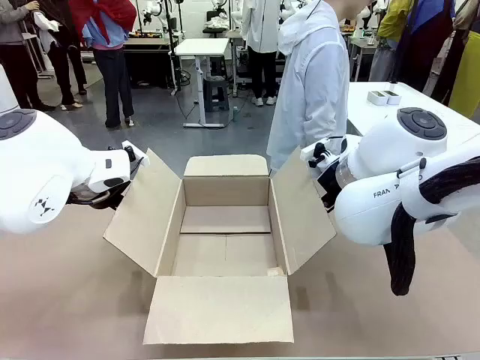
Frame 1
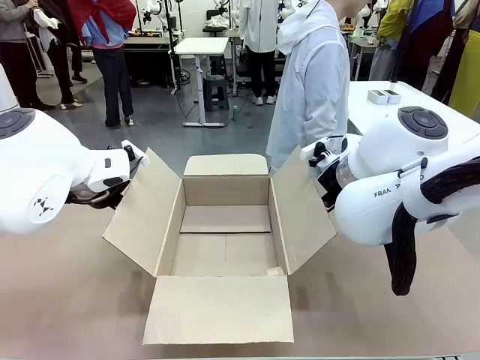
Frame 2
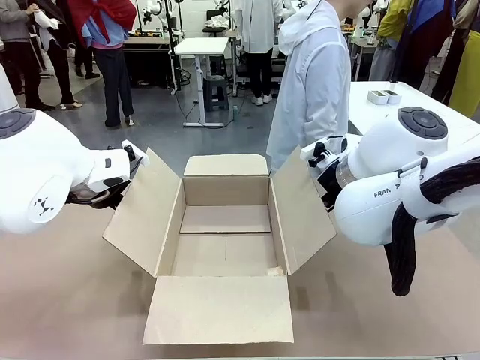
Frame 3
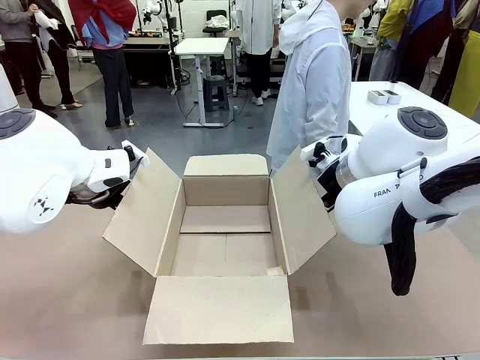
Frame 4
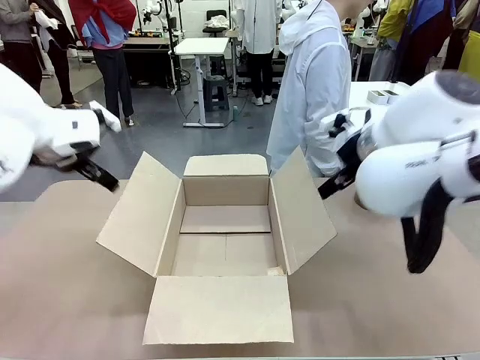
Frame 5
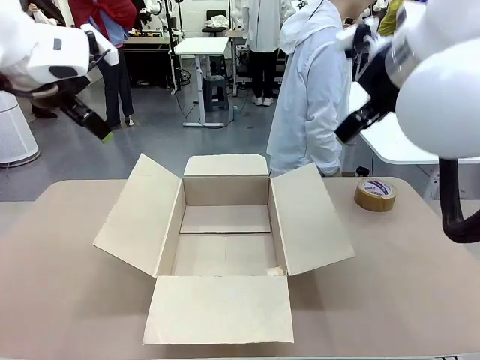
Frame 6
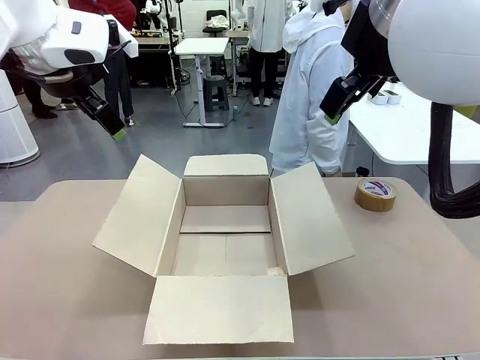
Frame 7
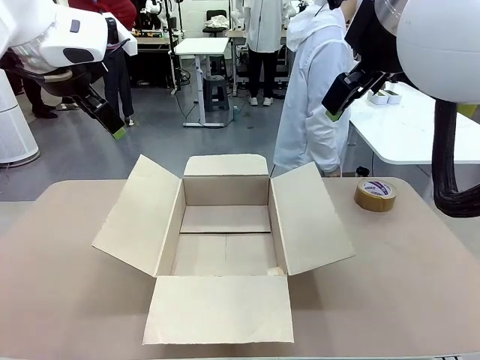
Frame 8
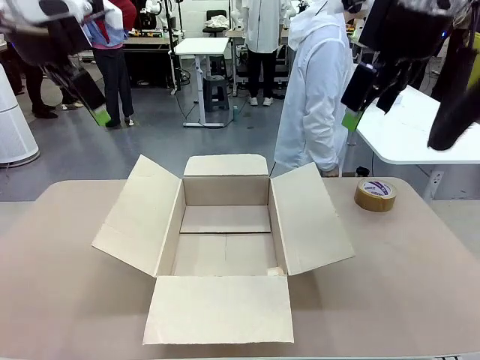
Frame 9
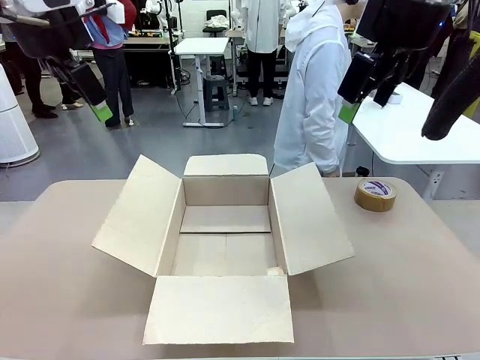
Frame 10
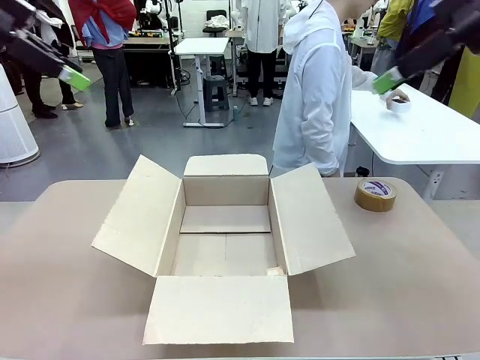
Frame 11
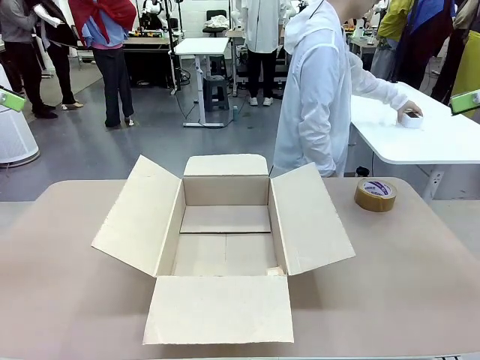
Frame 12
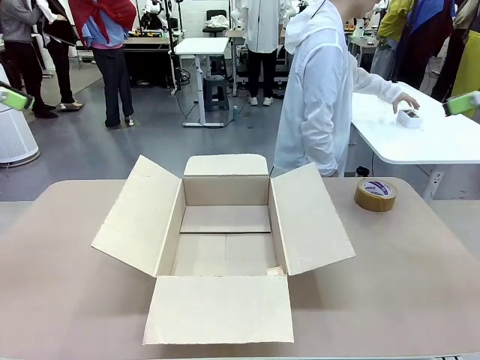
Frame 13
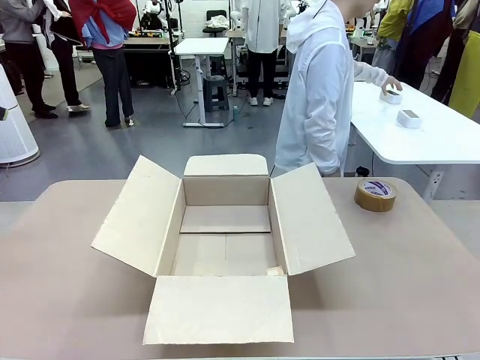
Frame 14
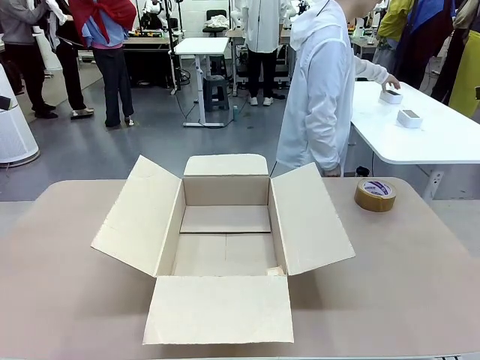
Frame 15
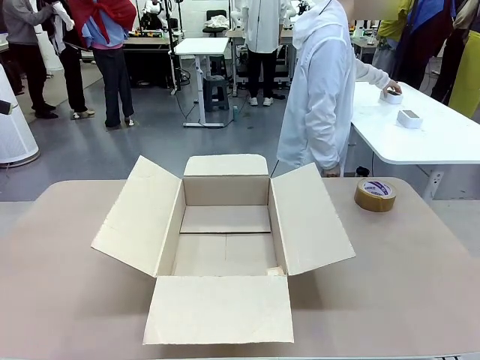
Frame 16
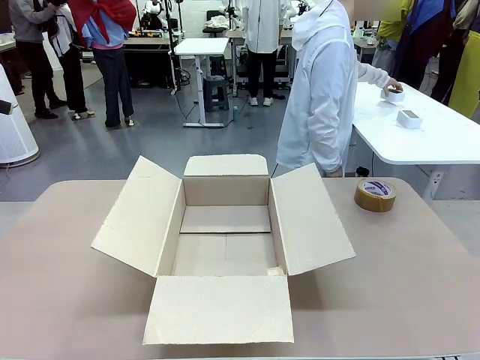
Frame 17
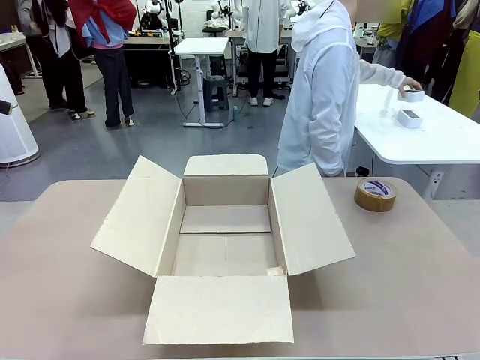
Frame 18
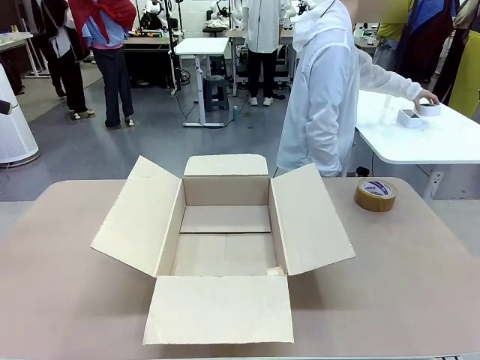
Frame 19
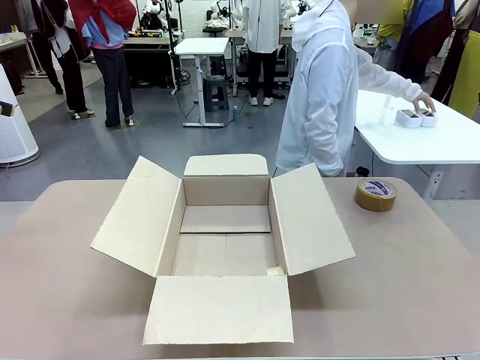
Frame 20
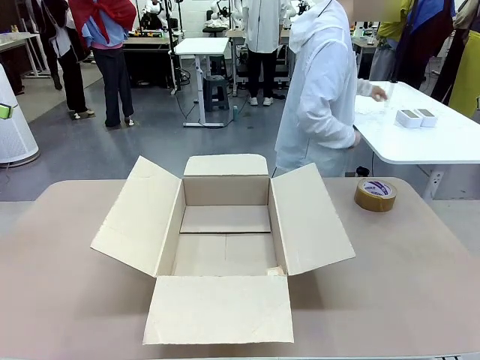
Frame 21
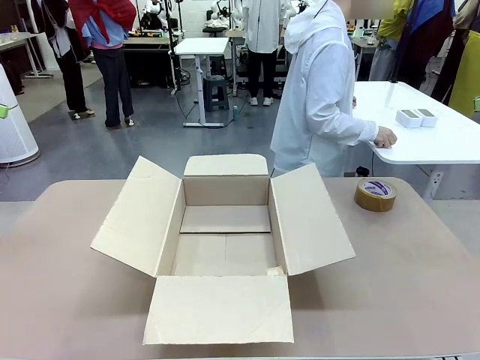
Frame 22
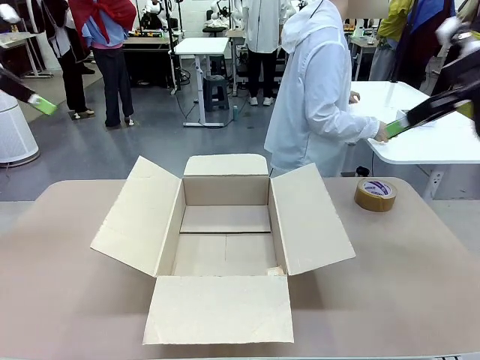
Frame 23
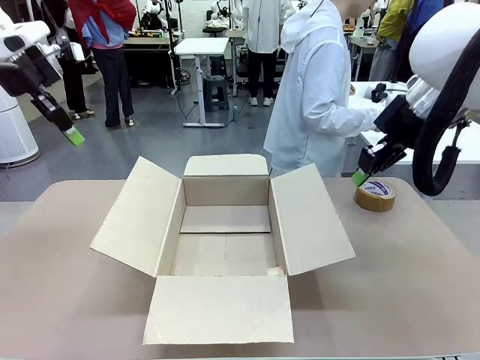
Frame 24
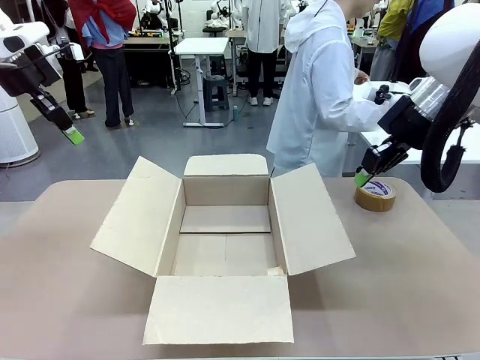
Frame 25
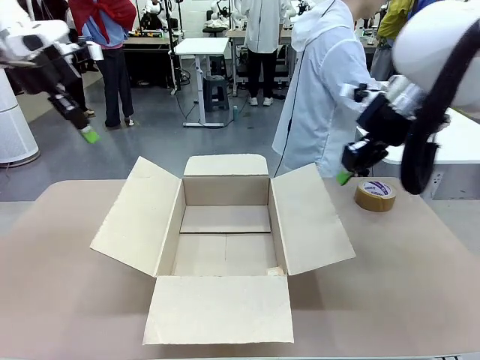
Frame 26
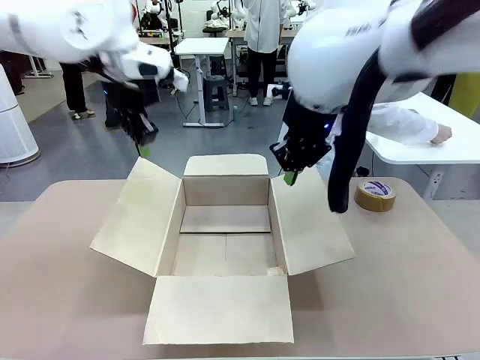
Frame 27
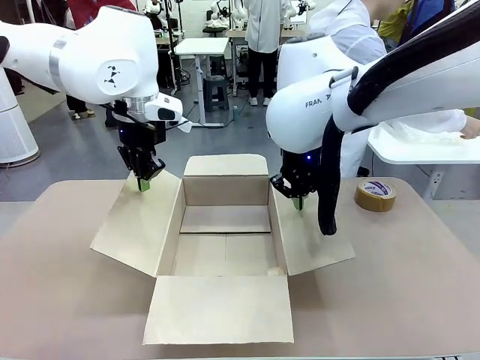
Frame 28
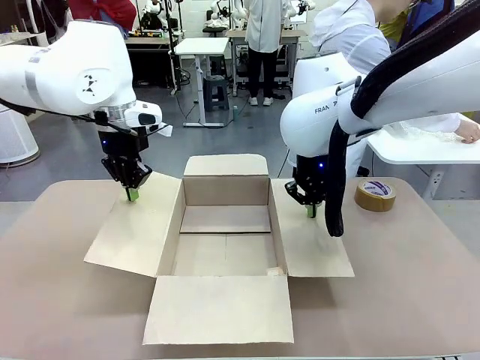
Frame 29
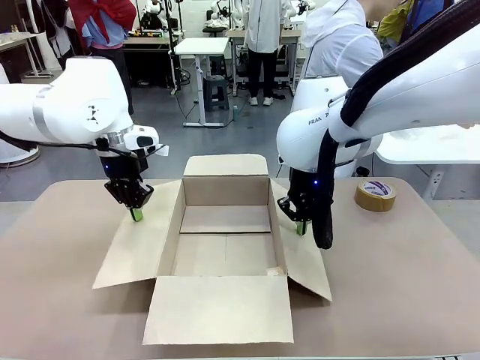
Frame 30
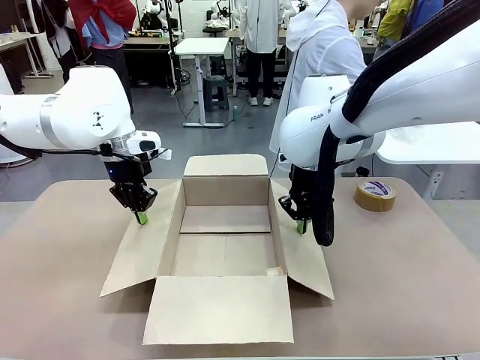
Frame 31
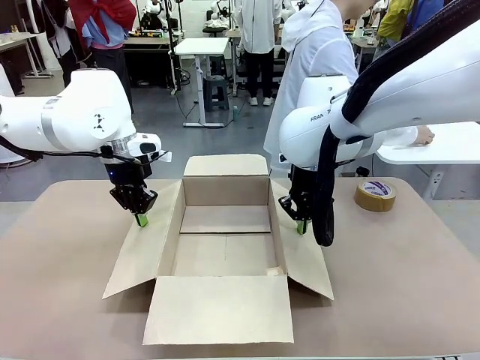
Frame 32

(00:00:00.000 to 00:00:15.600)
Task: Wrap the clocks to prevent damage.
Robot: Open the side flaps of the Package Box.
Person: Wrap the two Digital clocks with Bubble Wrap.
